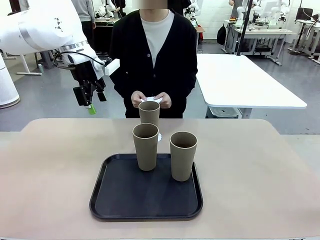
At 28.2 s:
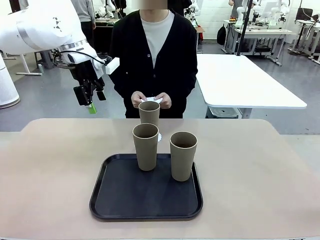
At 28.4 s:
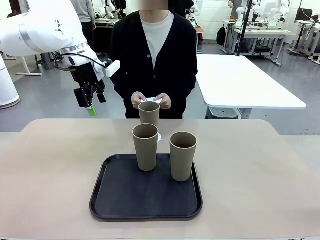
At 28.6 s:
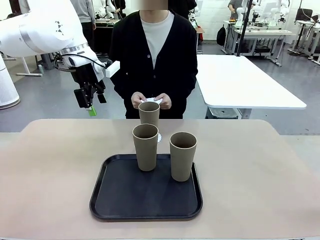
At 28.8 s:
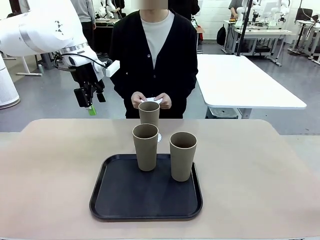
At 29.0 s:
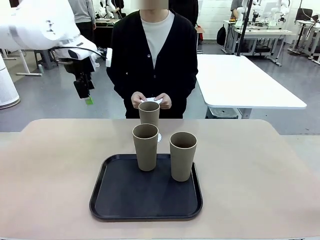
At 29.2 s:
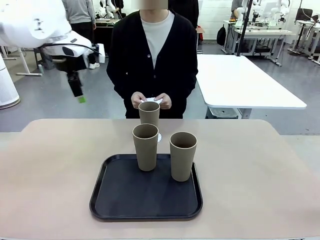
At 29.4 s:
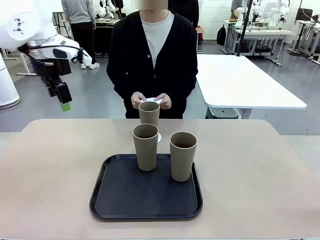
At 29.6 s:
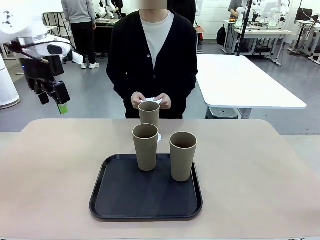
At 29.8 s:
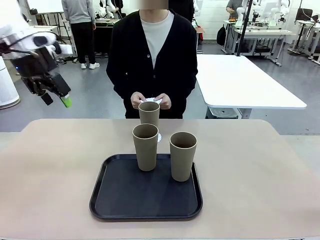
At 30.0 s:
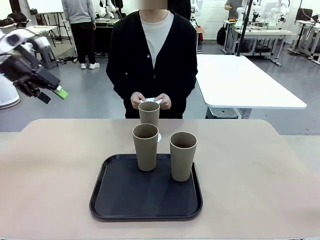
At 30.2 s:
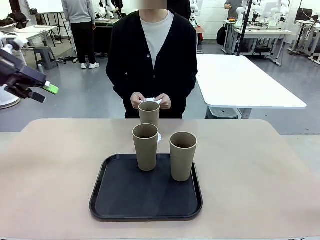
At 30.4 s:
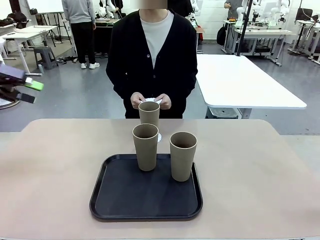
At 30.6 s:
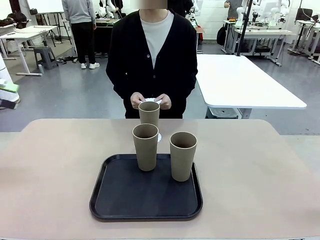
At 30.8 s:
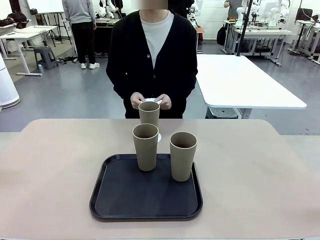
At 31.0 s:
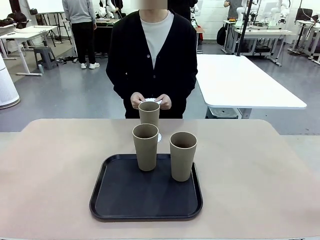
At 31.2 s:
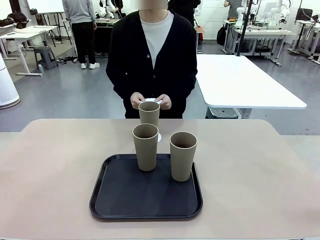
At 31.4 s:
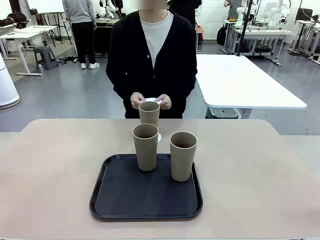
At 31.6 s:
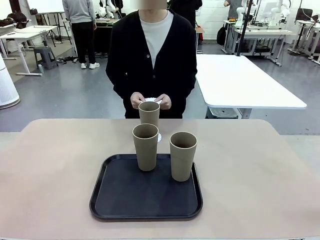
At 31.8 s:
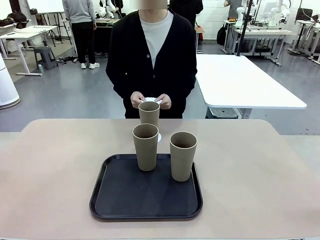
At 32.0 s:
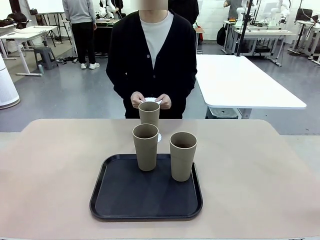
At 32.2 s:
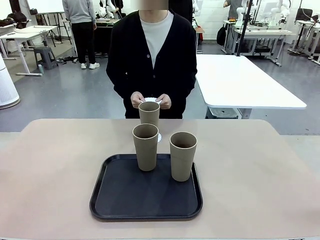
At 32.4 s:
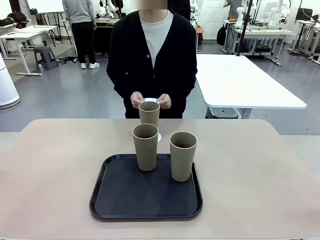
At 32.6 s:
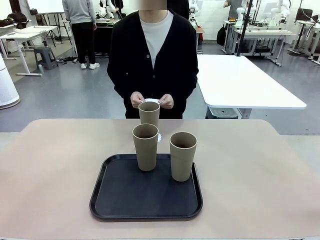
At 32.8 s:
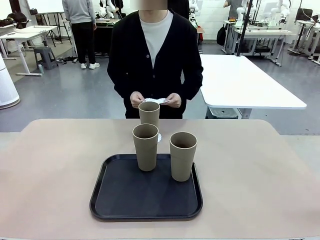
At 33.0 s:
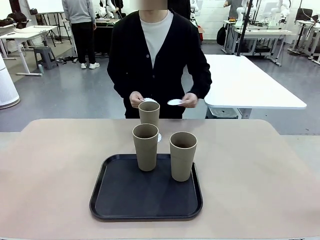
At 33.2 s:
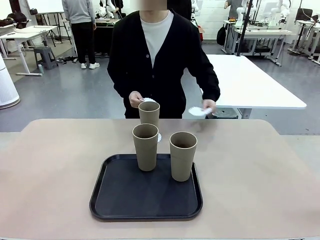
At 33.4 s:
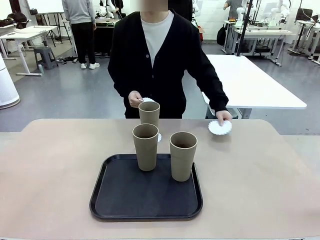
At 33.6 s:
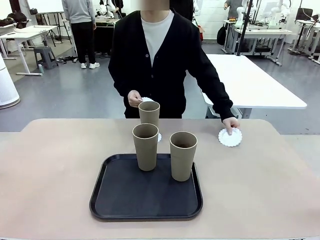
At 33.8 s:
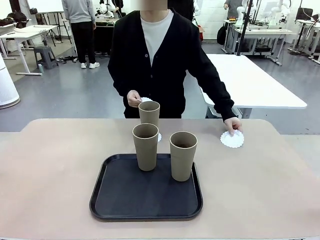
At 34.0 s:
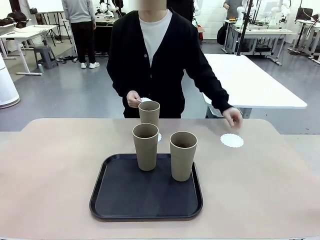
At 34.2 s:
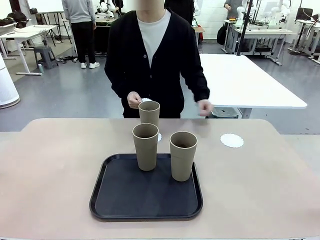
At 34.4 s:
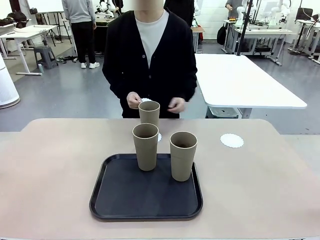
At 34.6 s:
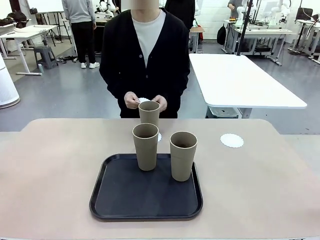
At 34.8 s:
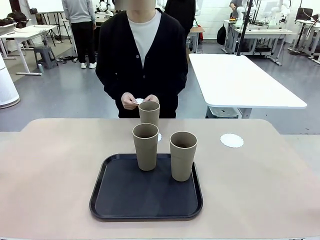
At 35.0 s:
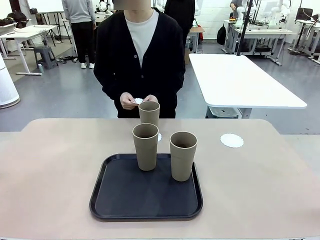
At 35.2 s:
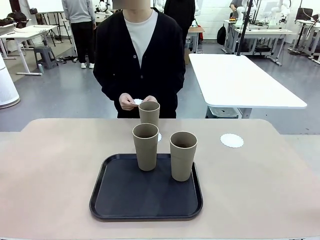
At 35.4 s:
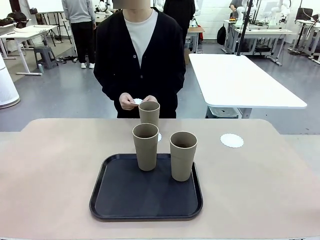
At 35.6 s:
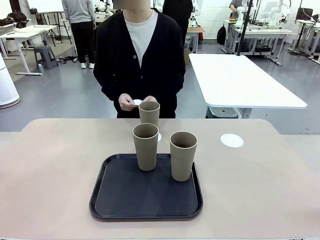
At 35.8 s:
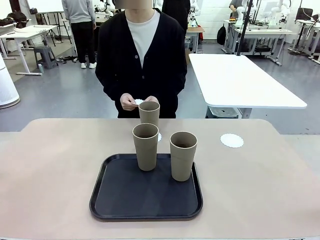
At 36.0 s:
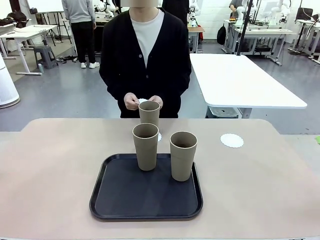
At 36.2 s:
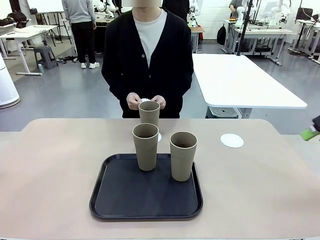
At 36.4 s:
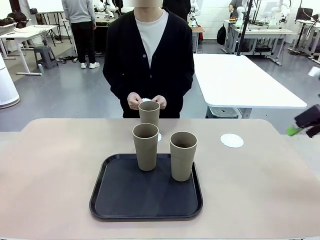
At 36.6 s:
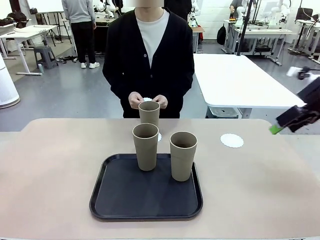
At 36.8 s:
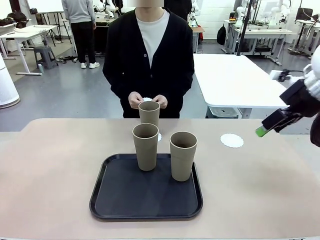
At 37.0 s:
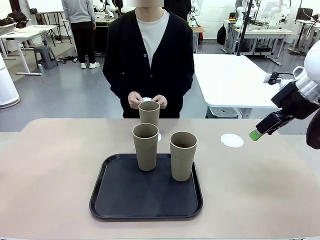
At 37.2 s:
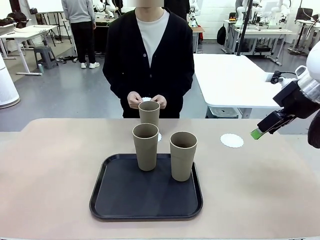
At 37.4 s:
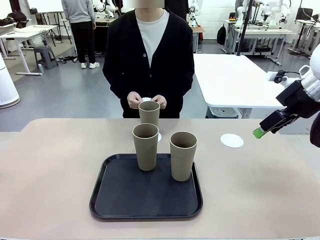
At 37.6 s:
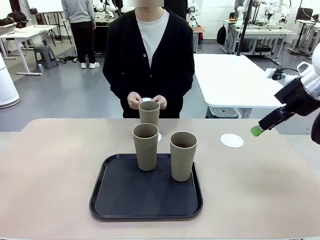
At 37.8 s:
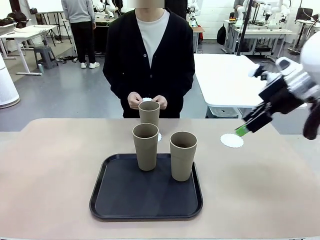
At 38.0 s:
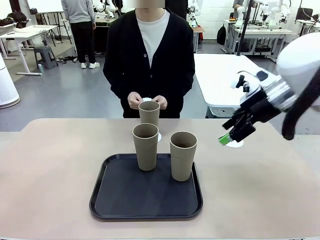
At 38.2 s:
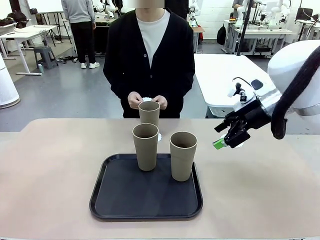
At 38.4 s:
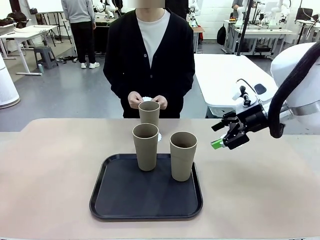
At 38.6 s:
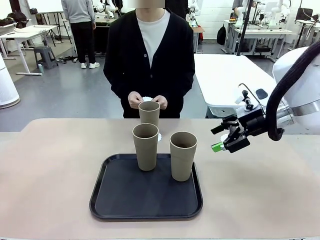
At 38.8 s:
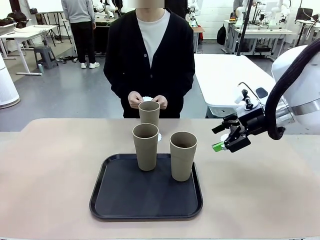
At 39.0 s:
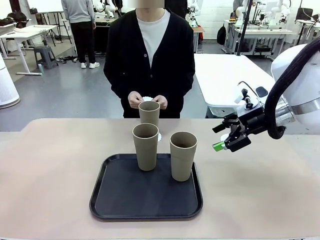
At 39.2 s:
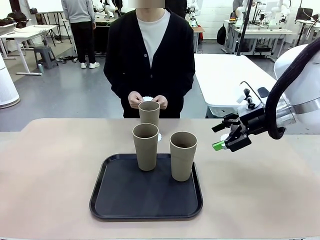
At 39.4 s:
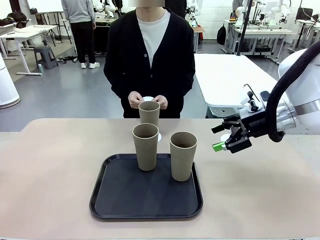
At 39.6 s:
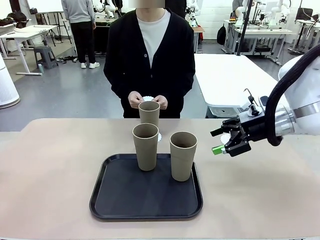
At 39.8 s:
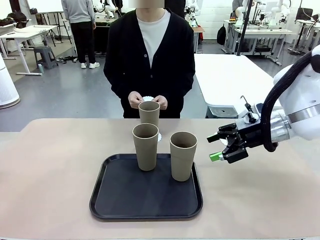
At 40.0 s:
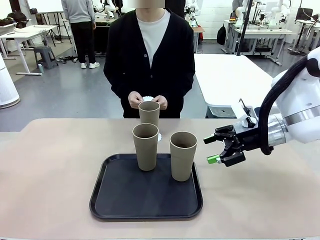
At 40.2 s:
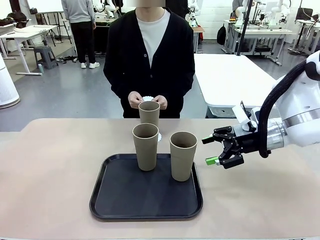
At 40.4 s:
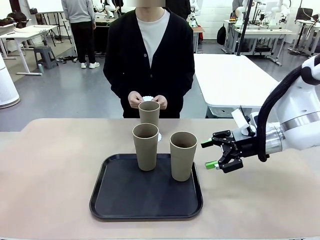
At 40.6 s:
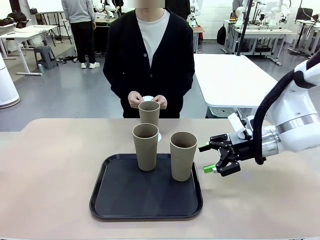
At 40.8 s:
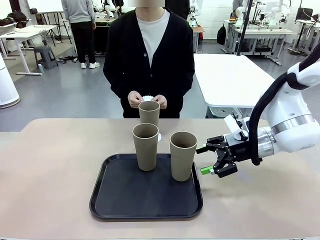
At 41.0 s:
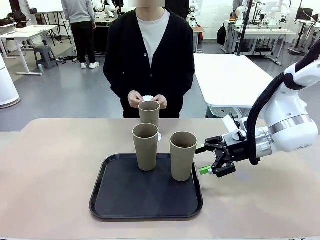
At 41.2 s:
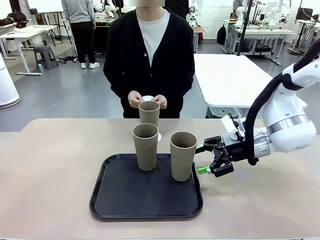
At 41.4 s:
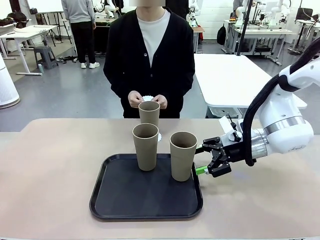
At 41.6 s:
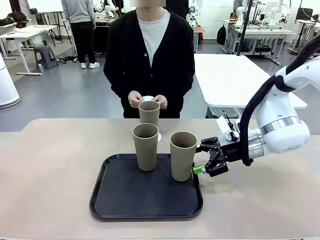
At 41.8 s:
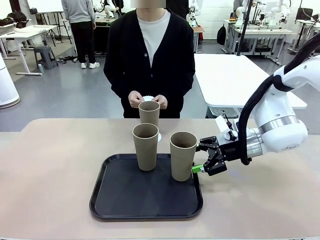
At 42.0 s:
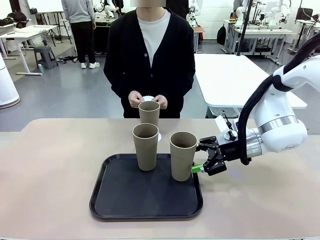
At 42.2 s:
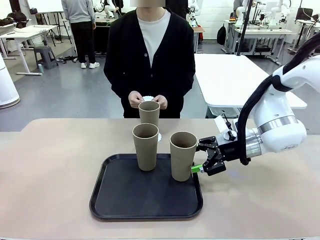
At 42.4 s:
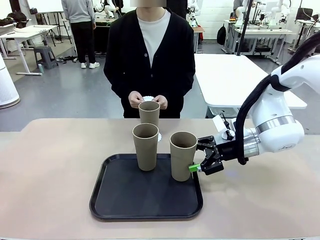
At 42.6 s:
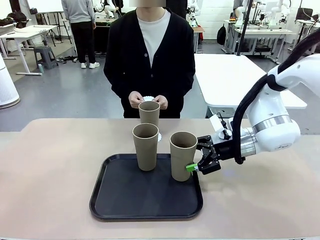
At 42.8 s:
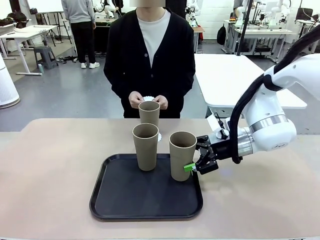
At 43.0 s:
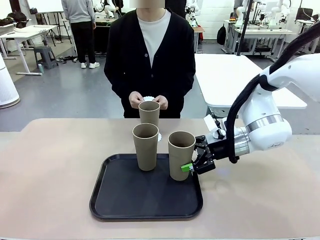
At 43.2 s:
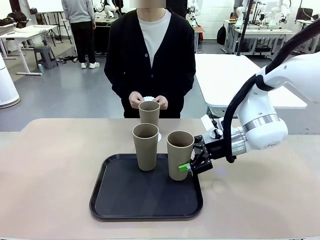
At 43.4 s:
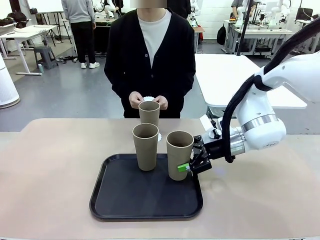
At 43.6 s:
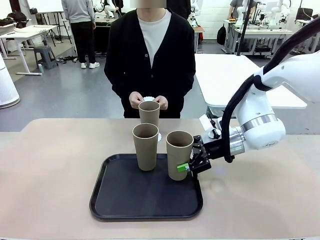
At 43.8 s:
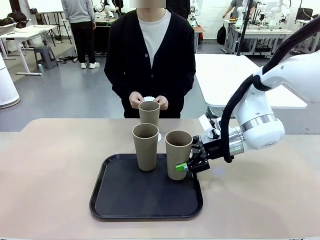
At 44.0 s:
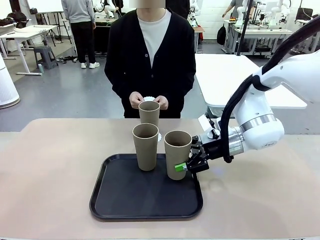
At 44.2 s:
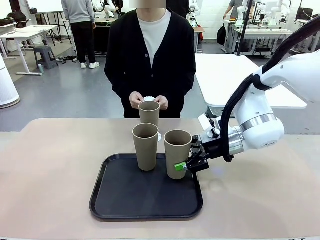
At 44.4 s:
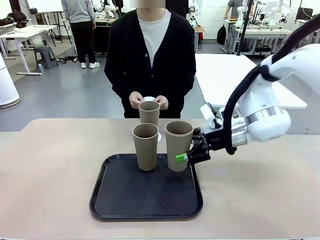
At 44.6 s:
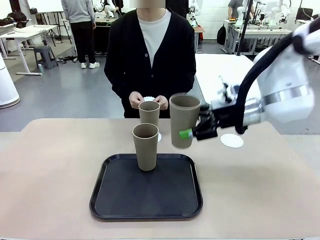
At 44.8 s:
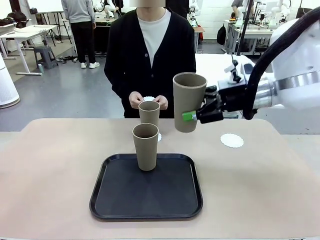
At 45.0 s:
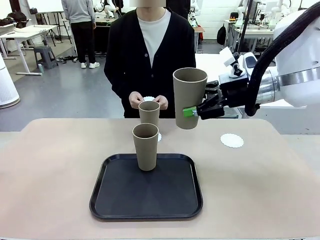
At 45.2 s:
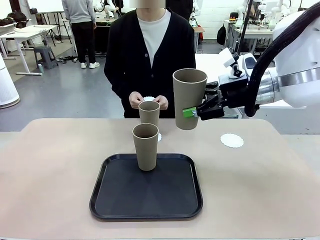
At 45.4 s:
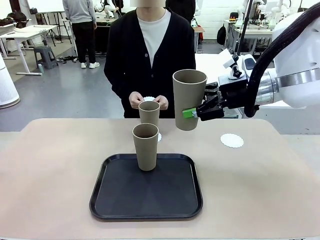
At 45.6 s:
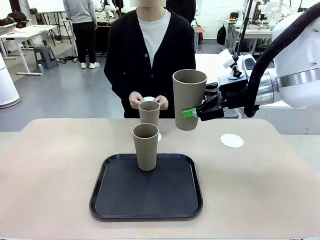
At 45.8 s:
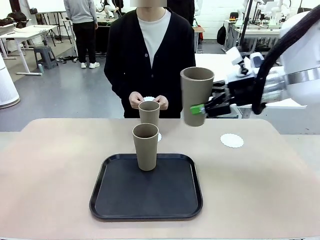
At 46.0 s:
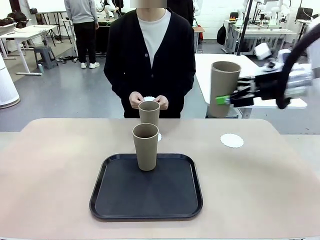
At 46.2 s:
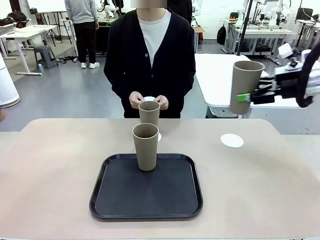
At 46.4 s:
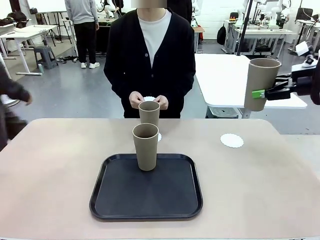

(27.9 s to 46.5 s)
Task: Place coasters on the table and set cups on them.
Robot: Take one Reusable plastic cup from the Flat Tray and place it on a coaster set by the human.
